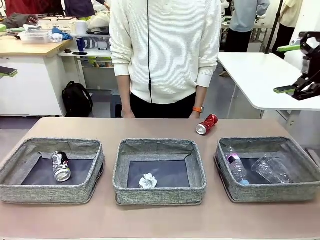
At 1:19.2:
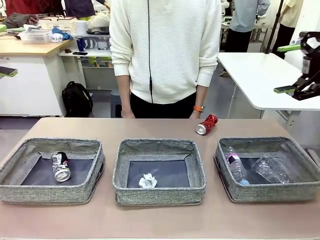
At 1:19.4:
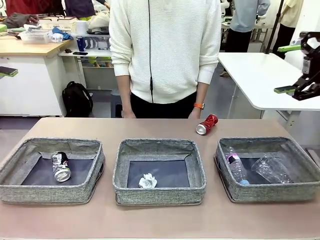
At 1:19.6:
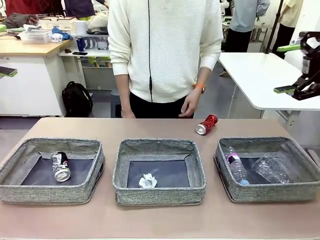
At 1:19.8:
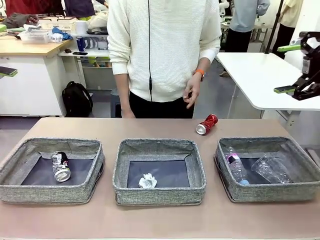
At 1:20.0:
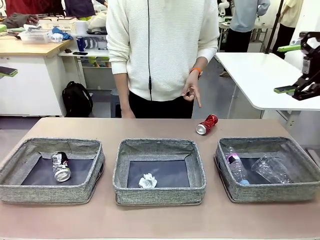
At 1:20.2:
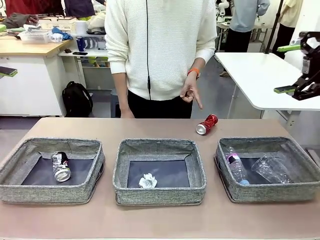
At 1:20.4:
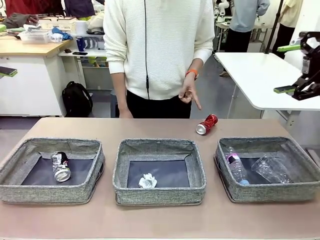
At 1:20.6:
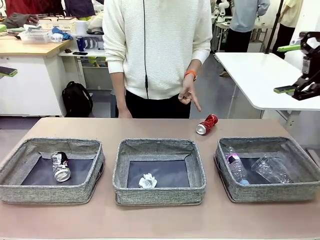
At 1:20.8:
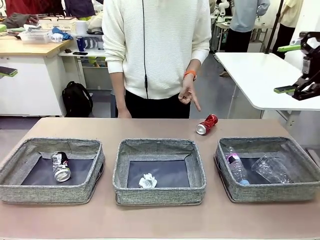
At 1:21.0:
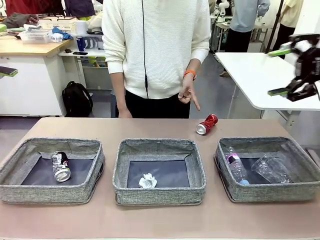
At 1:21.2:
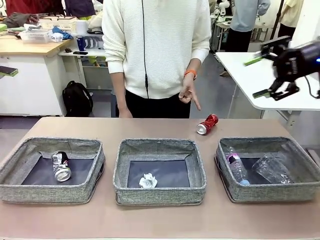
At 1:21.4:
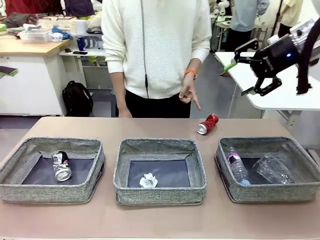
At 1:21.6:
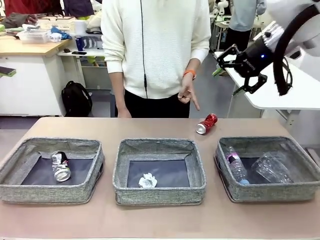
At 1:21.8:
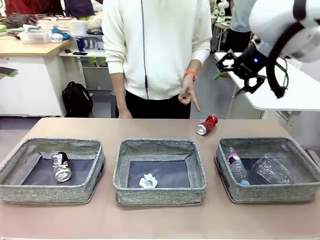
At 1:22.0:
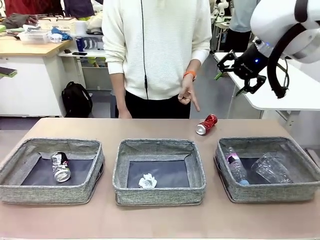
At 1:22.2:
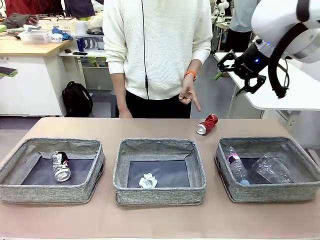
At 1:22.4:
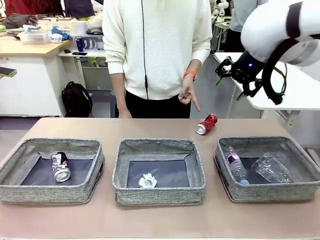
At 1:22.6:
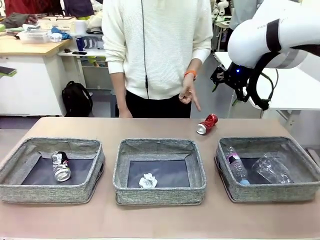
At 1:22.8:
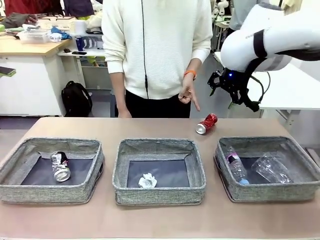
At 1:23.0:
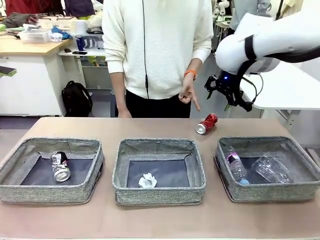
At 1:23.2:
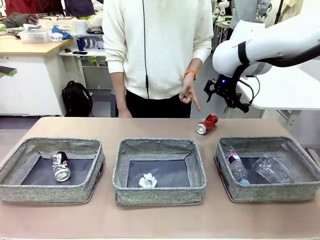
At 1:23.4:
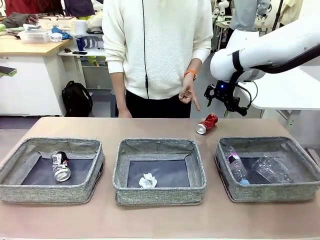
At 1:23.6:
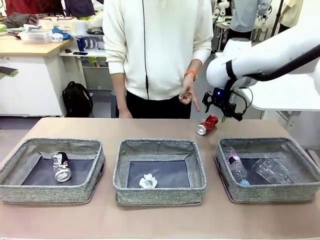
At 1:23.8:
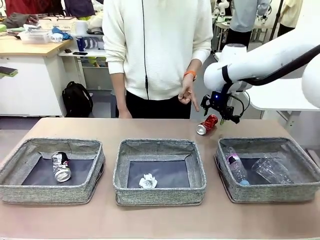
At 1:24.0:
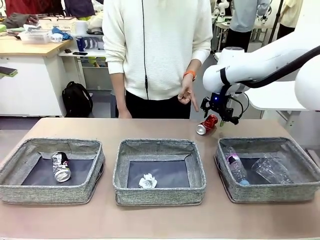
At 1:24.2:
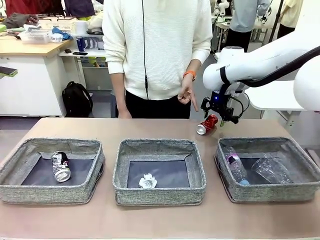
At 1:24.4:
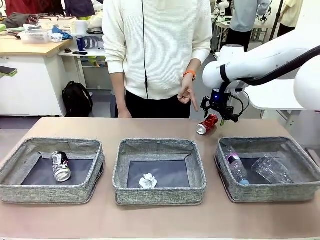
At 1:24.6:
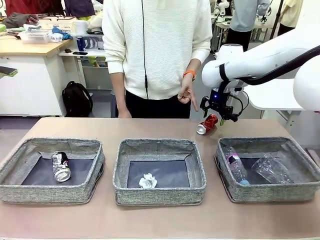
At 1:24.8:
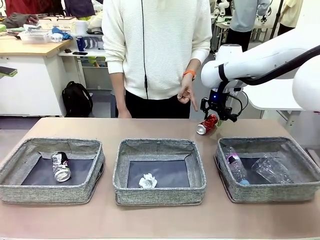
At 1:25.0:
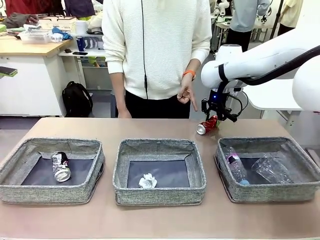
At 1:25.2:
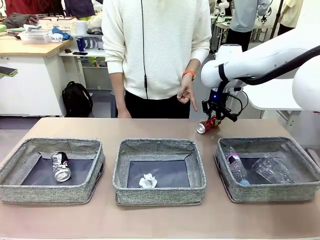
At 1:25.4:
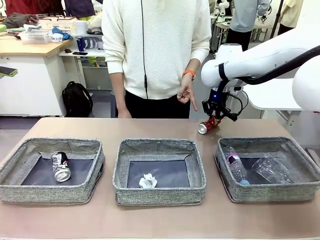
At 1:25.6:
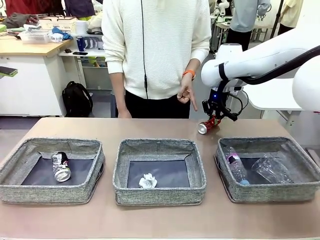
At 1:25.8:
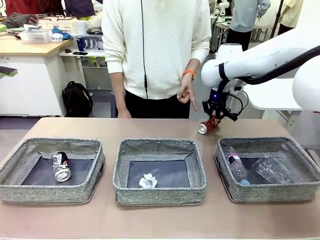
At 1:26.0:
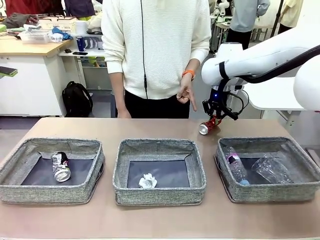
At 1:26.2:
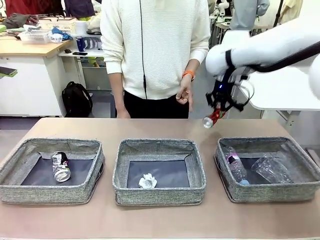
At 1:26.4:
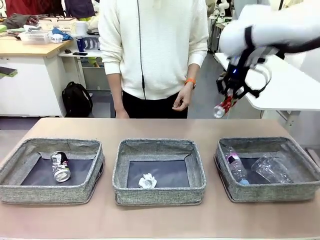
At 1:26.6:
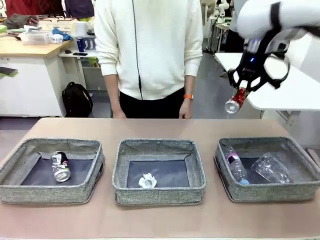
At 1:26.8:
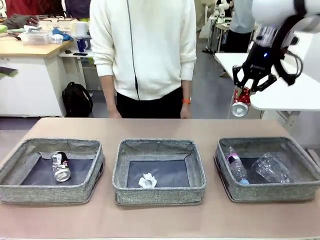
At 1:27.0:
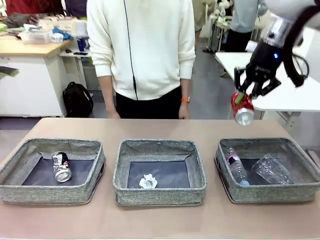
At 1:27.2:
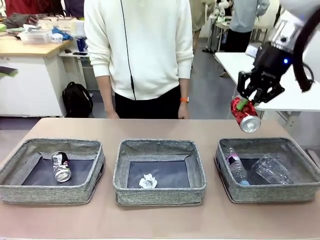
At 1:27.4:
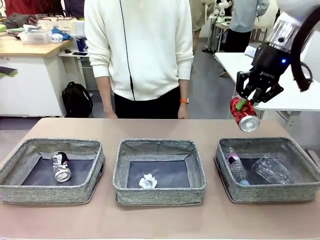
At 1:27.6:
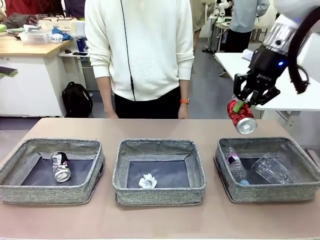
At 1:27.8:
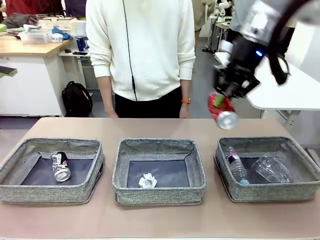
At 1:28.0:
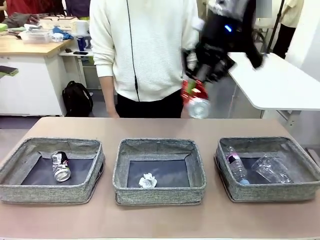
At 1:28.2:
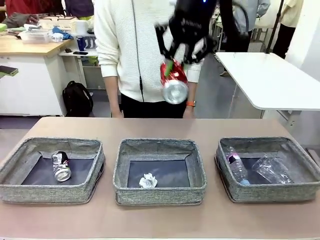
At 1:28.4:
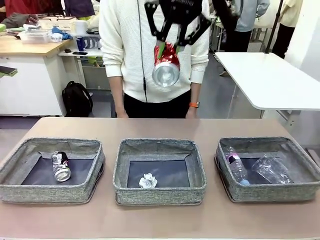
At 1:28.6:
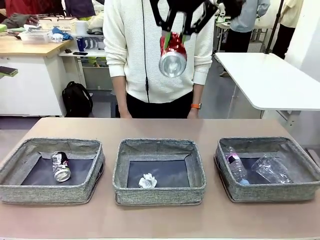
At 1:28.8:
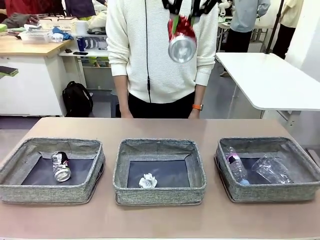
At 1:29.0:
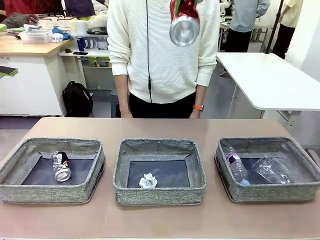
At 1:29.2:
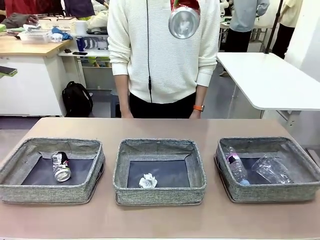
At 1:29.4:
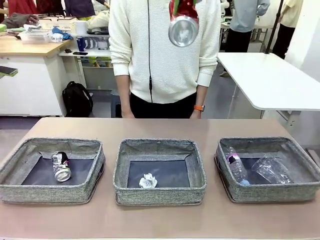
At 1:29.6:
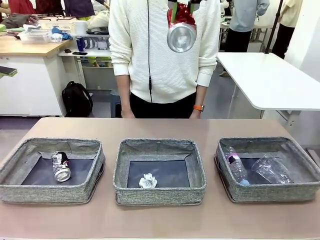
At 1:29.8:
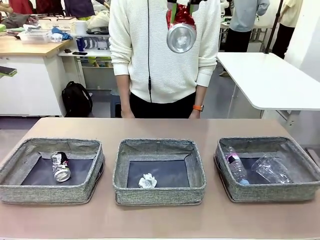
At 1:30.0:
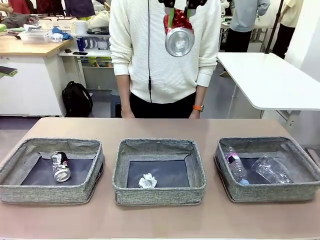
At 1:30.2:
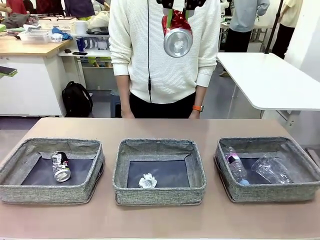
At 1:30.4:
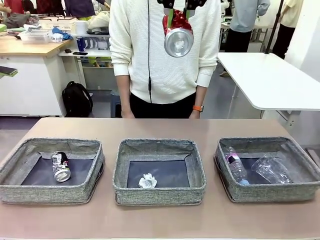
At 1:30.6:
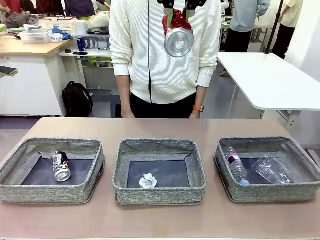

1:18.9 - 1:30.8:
Task: Sort the waste into the appropriate baskets.
Robot: Pick up the waste item pointed out by the person.
Person: Points to one piece of trash on the table.

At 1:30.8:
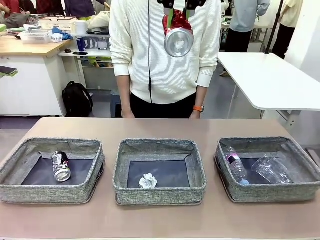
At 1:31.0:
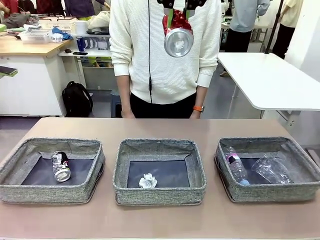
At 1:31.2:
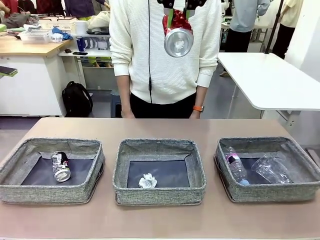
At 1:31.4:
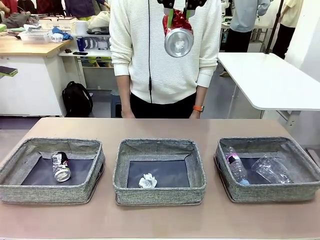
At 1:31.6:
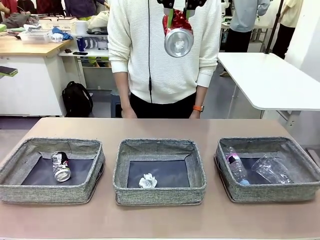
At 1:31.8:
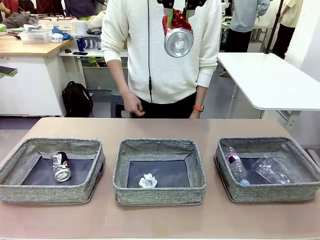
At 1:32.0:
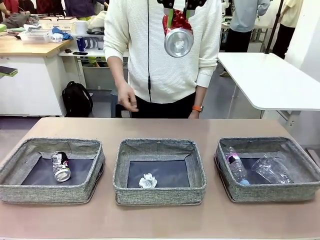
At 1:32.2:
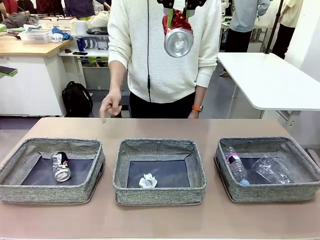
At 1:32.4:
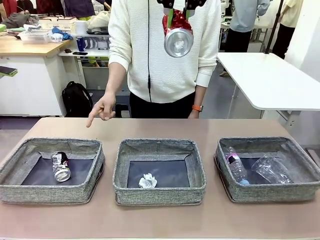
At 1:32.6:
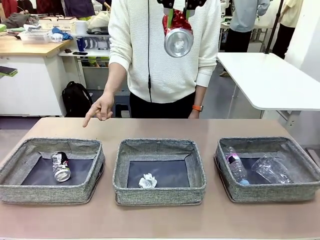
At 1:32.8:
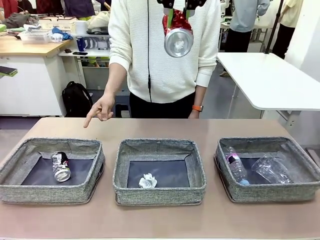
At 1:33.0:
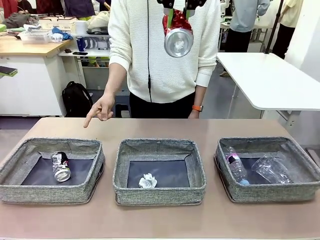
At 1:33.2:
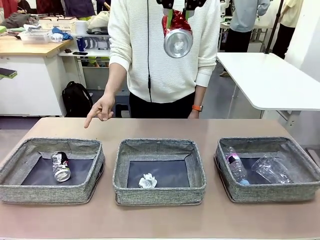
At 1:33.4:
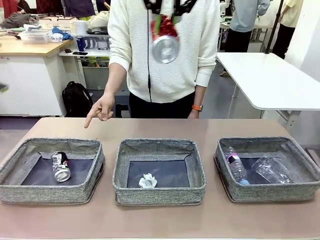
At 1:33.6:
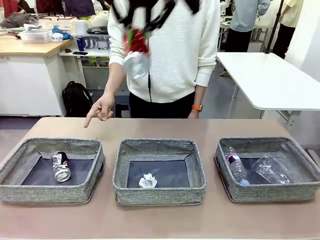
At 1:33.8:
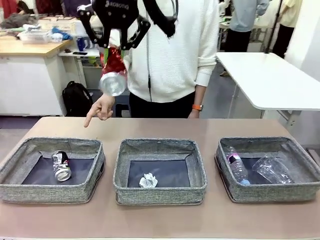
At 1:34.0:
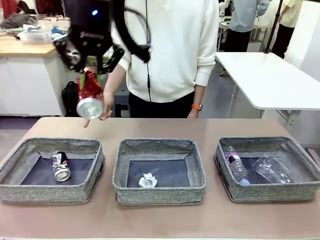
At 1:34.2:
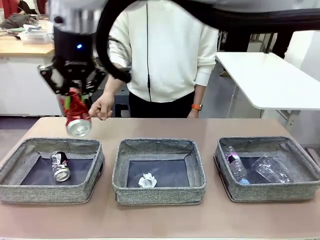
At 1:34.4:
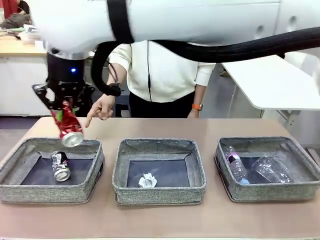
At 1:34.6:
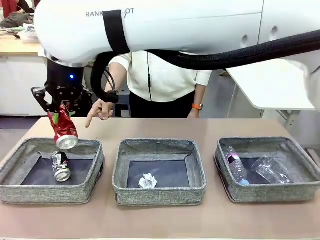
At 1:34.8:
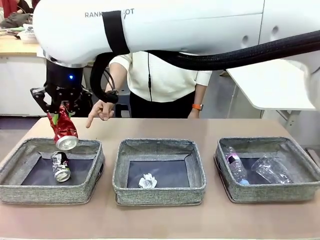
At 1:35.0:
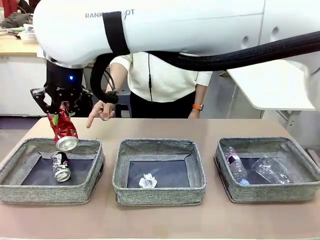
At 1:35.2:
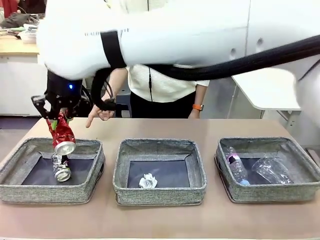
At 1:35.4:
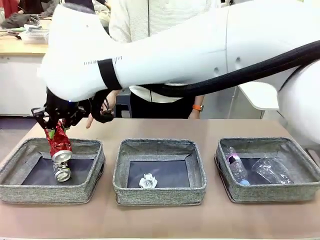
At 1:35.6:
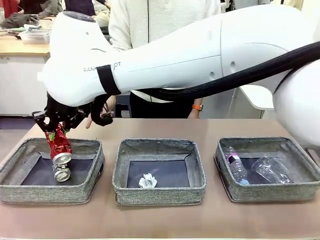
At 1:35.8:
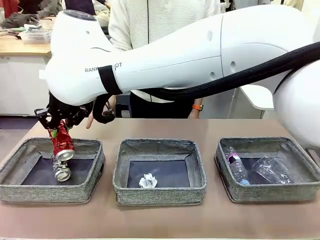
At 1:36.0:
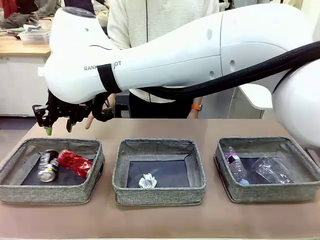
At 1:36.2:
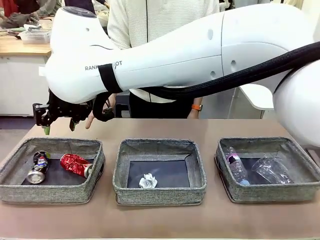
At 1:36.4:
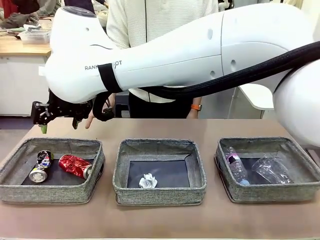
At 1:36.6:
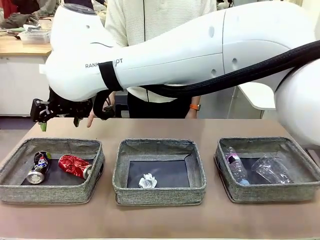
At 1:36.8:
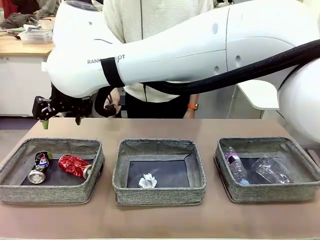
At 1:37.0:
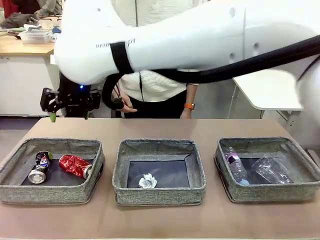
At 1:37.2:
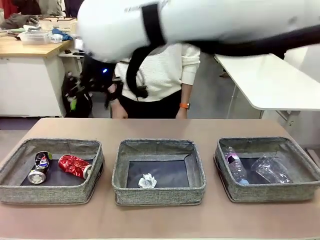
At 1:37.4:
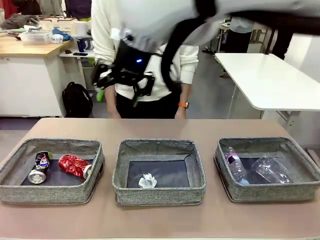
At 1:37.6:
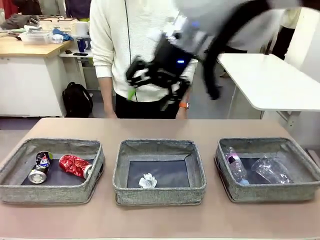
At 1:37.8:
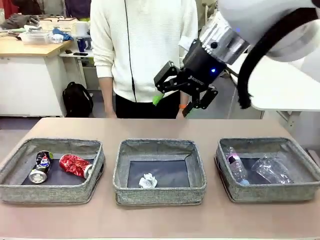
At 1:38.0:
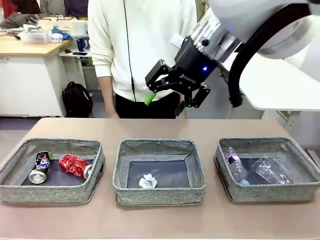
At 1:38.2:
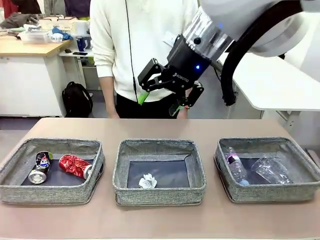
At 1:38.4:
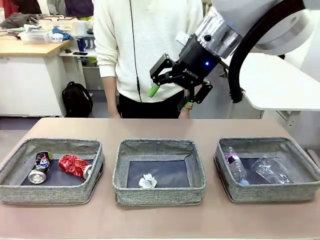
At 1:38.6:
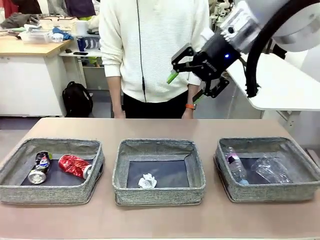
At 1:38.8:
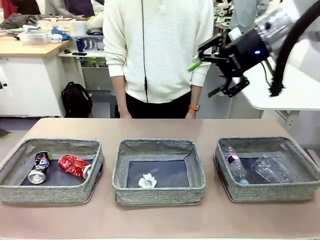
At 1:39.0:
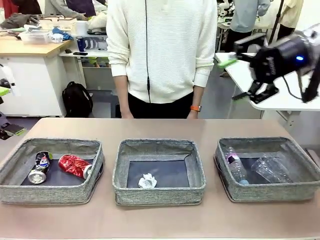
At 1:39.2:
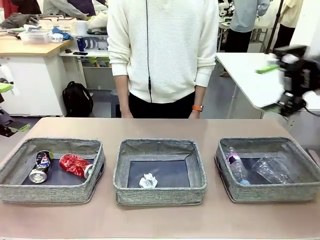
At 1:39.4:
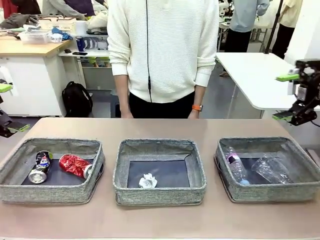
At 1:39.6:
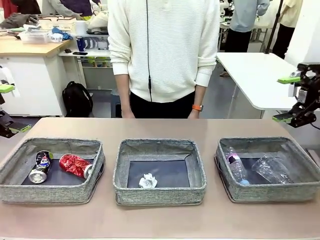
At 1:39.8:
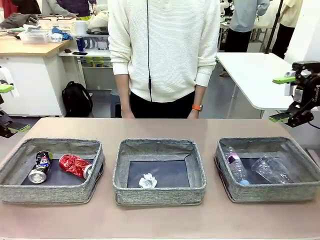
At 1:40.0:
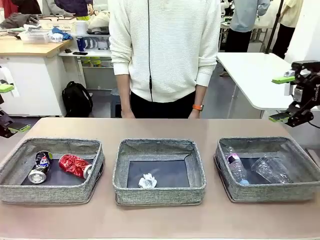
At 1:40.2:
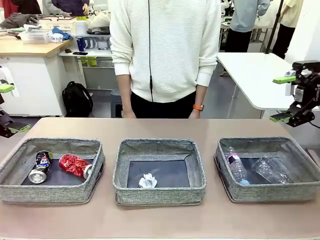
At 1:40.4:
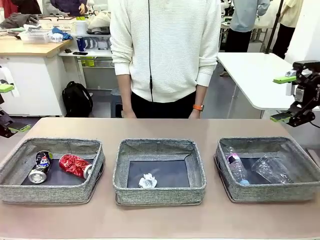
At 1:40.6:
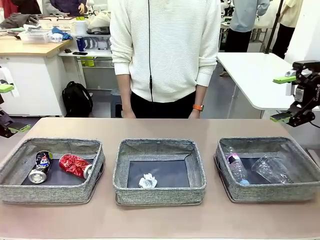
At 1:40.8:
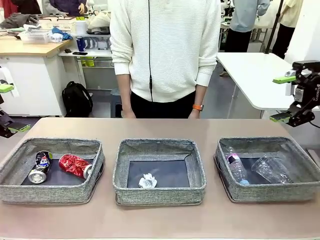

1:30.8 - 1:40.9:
Robot: Place the picked waste into the Fabric basket indicated by the person.
Person: Instructs the robot to place the picked-up trash into the appropriate organizing basket.
